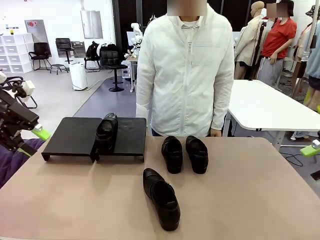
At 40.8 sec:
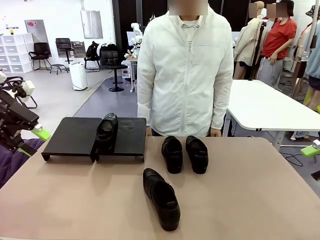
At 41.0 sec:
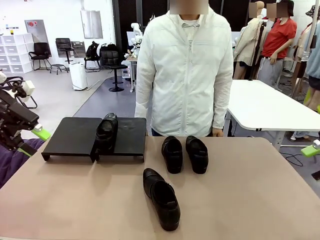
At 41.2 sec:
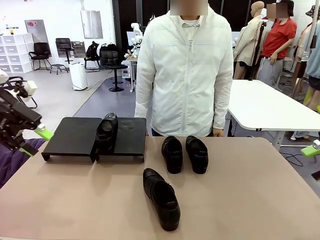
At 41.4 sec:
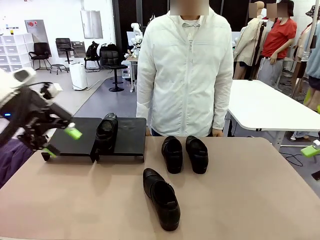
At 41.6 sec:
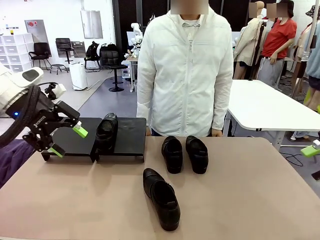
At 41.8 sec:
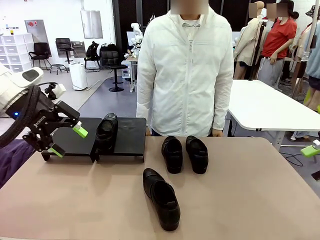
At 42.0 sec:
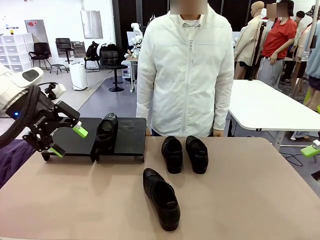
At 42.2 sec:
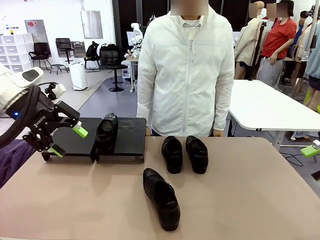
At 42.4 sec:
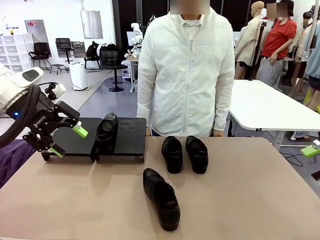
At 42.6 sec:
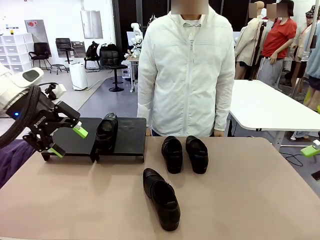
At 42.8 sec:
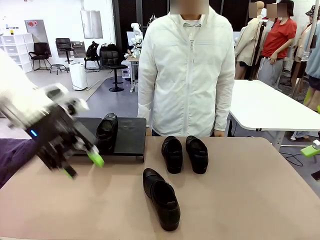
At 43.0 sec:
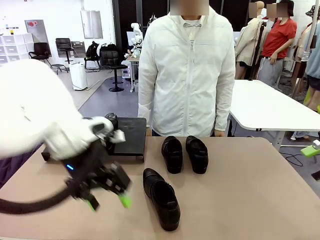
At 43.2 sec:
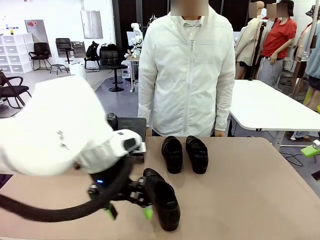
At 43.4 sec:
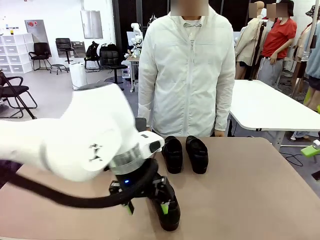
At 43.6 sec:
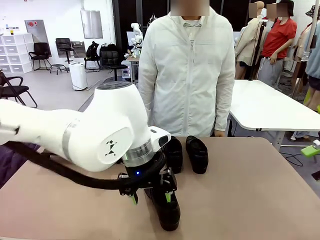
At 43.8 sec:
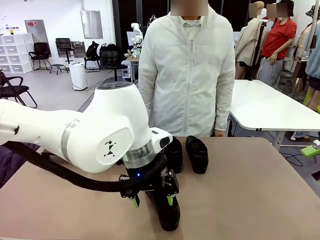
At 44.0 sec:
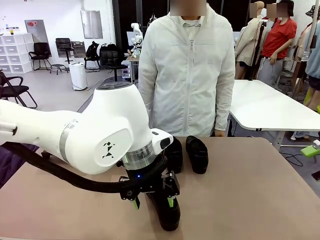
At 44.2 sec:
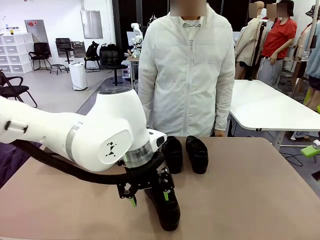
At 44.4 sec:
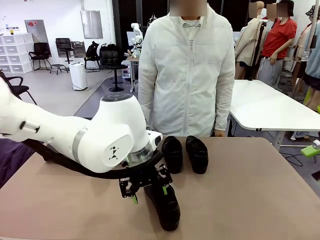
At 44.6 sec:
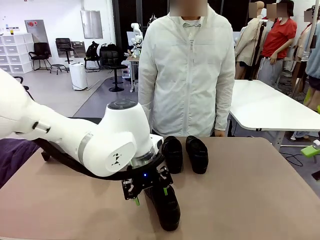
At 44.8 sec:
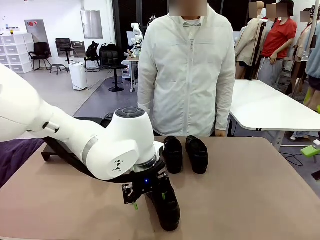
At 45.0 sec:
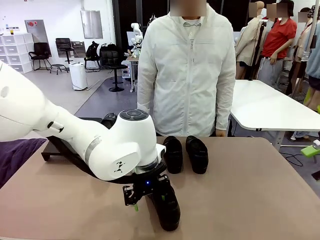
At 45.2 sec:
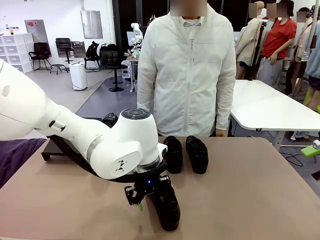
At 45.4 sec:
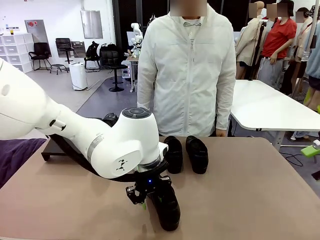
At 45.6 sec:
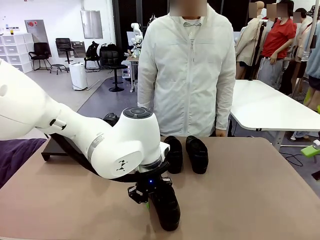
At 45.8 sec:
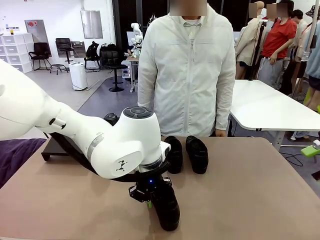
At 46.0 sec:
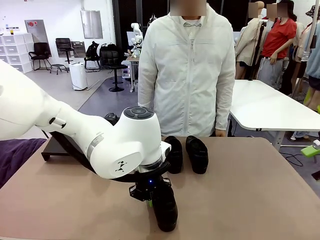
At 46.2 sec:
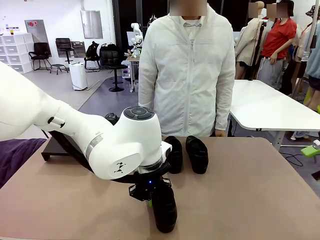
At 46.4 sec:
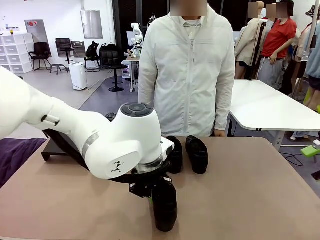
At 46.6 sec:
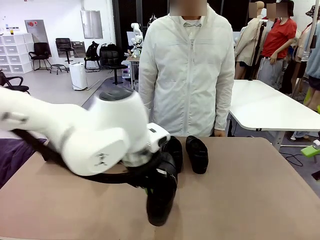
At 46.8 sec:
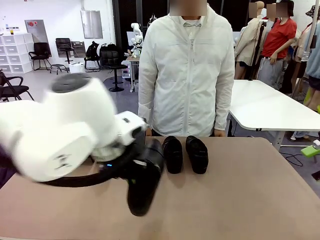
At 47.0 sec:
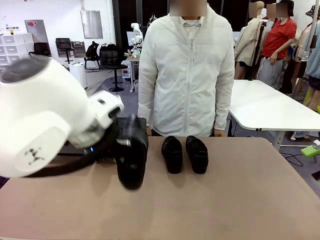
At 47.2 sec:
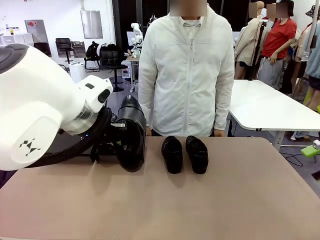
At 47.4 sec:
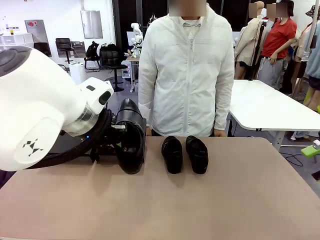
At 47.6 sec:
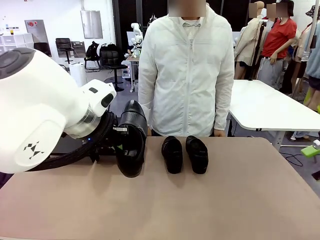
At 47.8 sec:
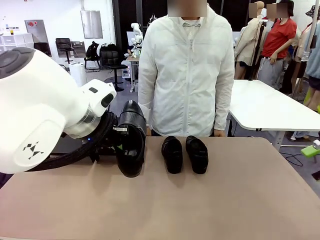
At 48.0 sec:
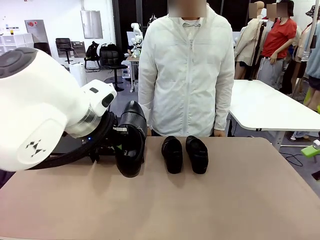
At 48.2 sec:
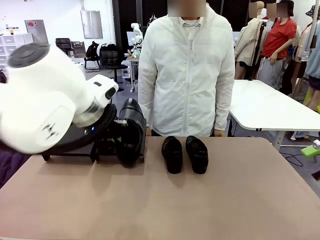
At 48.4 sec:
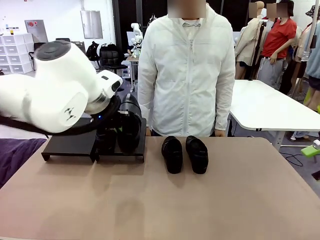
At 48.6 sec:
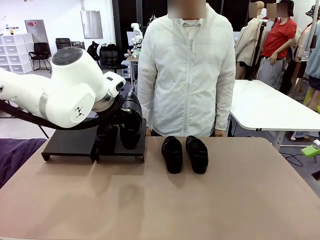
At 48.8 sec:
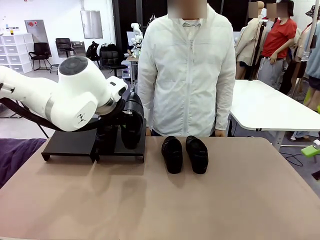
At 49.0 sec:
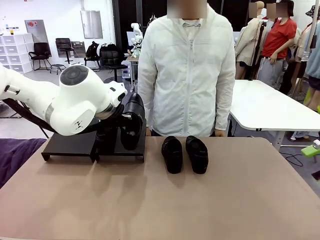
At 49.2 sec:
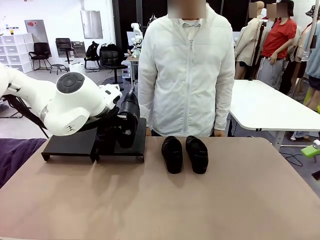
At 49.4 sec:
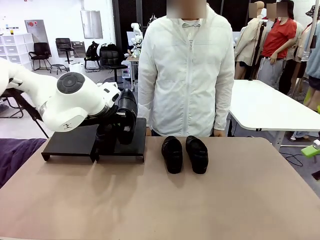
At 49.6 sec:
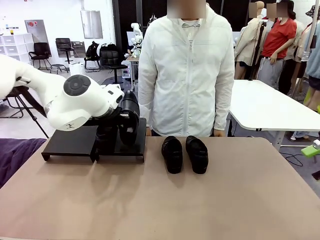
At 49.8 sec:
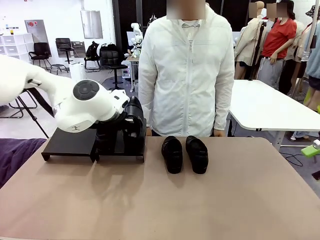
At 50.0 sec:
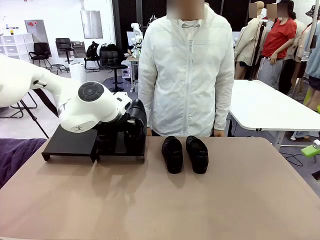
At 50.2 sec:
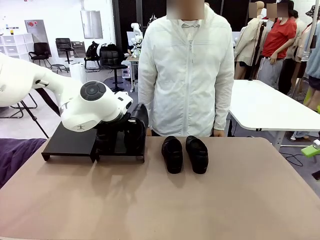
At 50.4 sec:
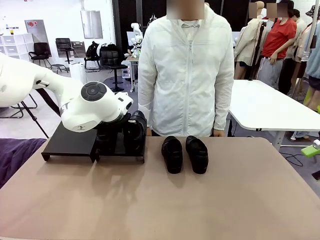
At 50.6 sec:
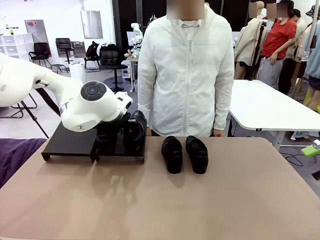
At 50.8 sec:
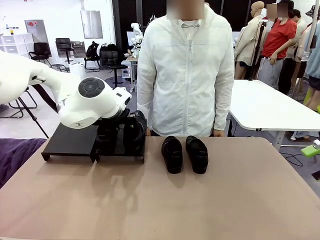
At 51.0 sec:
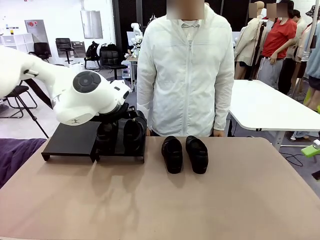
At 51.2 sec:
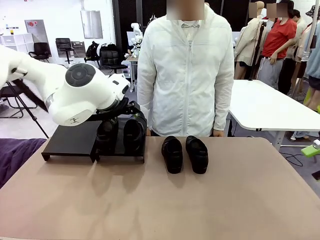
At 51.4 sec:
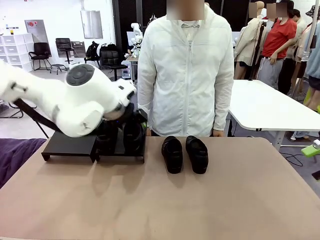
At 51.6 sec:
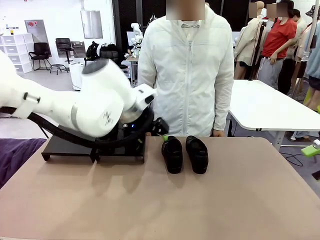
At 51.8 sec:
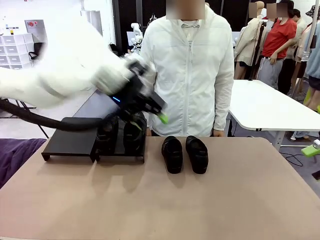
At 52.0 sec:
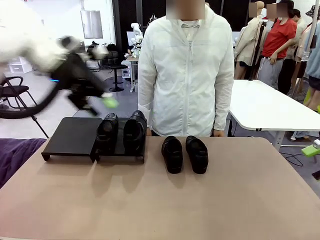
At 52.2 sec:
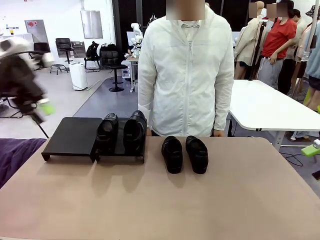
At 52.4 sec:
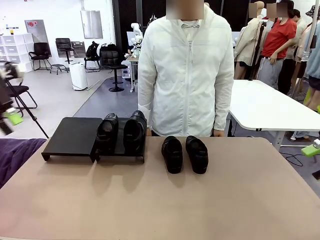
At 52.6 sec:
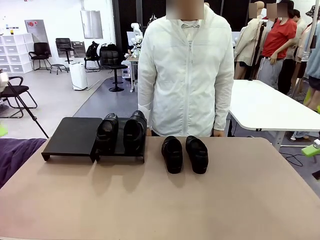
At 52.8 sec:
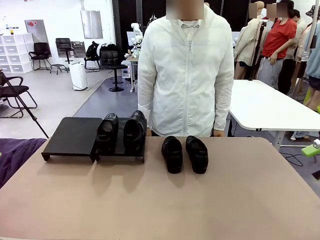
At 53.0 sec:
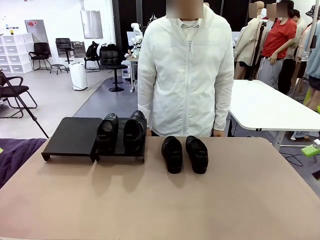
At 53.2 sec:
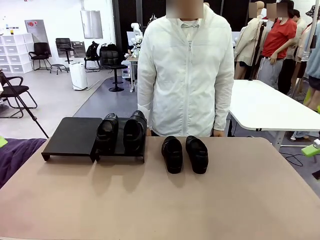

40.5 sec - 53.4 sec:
Task: Organize the shoes by placing them on the stand.
Robot: Place the Shoe from the middle of the table onto the Shoes Stand.

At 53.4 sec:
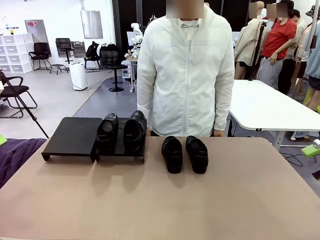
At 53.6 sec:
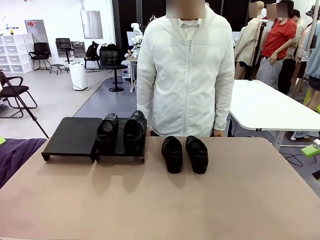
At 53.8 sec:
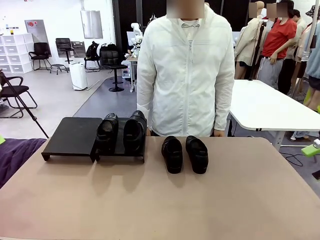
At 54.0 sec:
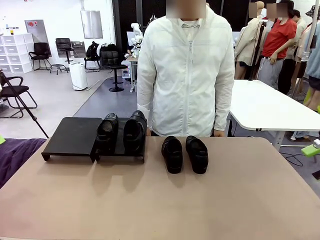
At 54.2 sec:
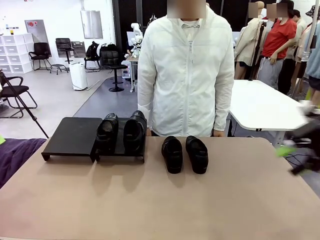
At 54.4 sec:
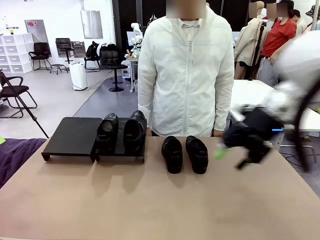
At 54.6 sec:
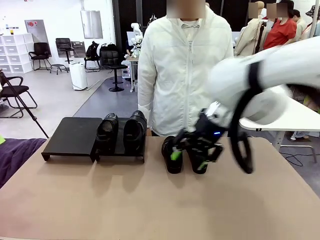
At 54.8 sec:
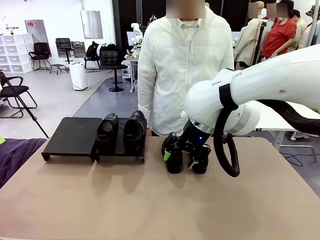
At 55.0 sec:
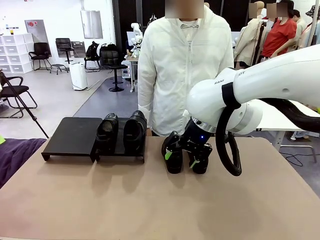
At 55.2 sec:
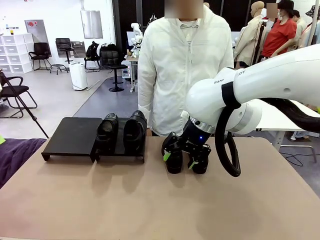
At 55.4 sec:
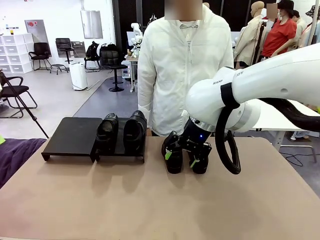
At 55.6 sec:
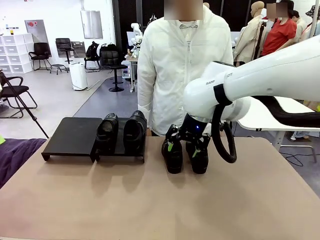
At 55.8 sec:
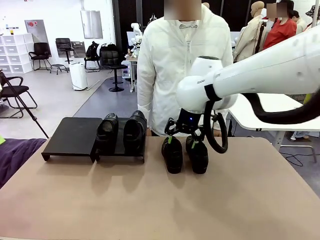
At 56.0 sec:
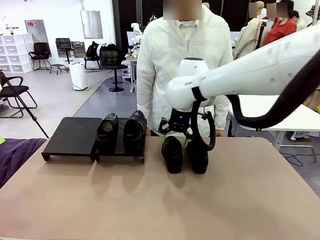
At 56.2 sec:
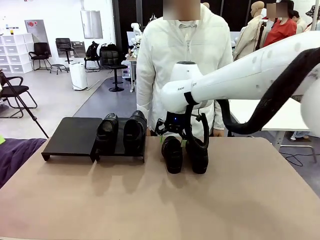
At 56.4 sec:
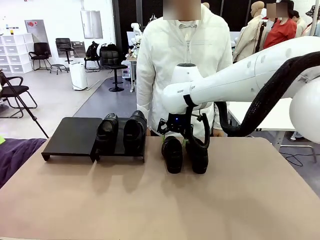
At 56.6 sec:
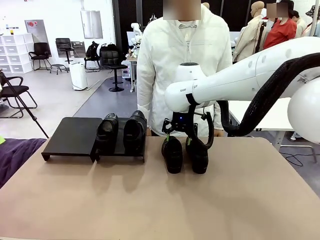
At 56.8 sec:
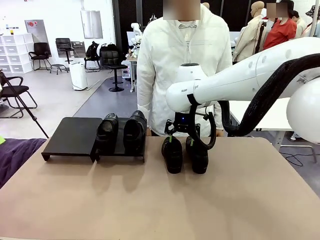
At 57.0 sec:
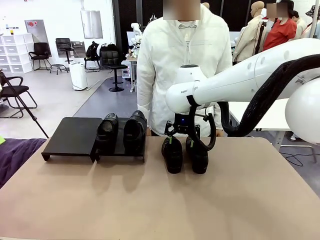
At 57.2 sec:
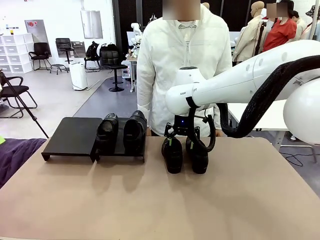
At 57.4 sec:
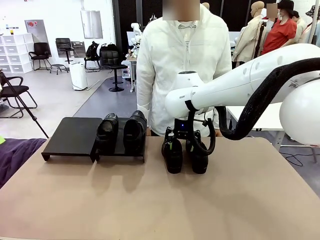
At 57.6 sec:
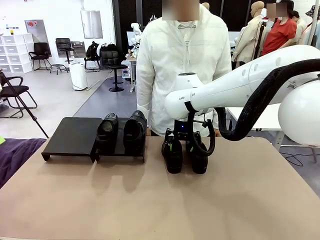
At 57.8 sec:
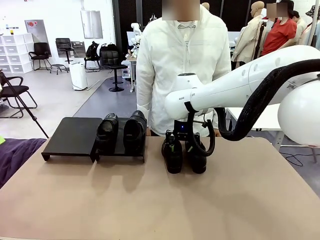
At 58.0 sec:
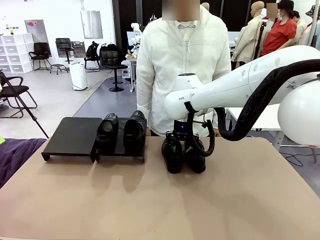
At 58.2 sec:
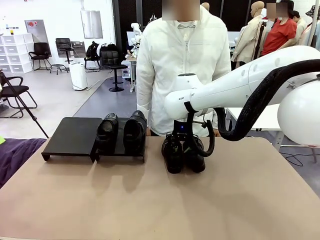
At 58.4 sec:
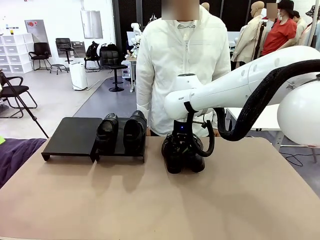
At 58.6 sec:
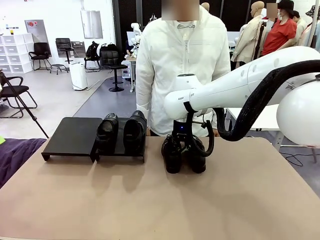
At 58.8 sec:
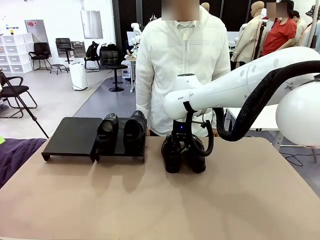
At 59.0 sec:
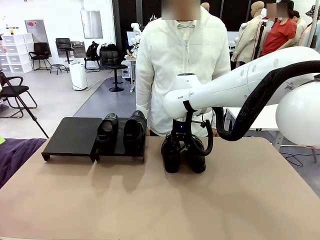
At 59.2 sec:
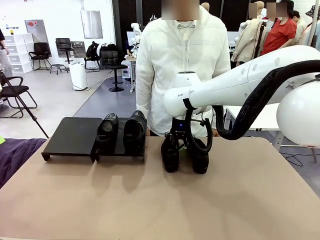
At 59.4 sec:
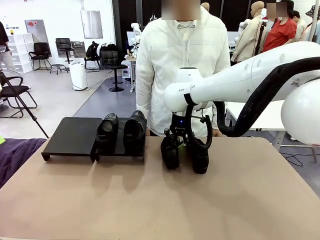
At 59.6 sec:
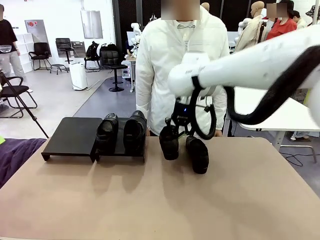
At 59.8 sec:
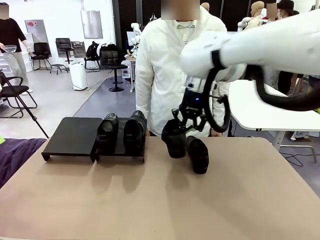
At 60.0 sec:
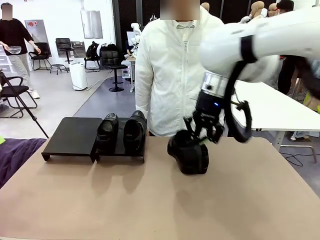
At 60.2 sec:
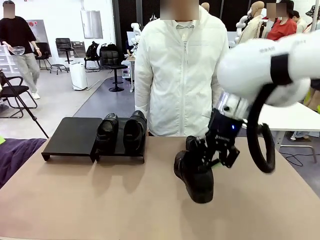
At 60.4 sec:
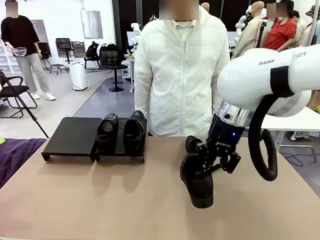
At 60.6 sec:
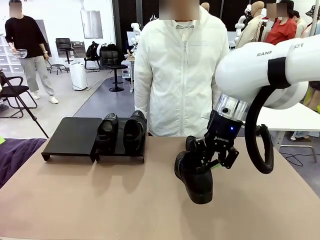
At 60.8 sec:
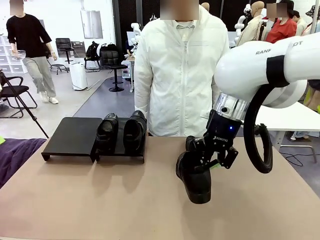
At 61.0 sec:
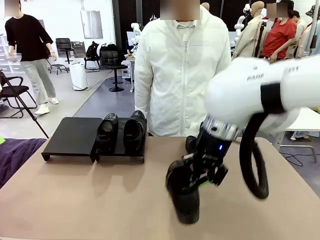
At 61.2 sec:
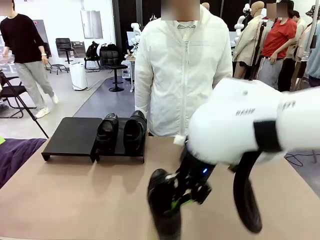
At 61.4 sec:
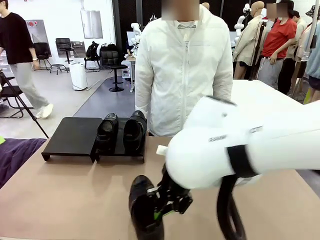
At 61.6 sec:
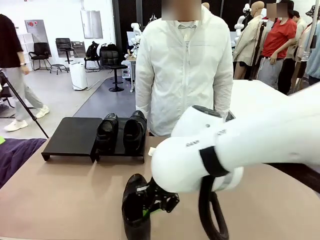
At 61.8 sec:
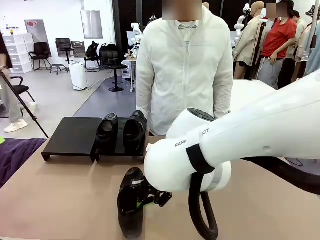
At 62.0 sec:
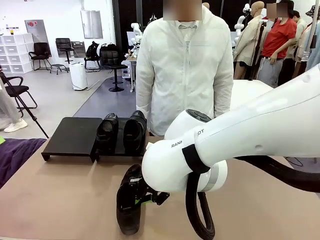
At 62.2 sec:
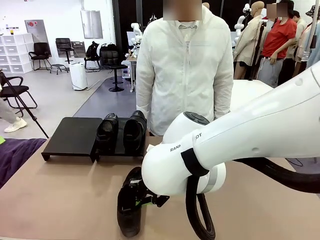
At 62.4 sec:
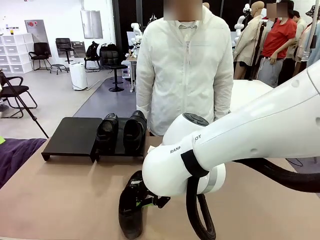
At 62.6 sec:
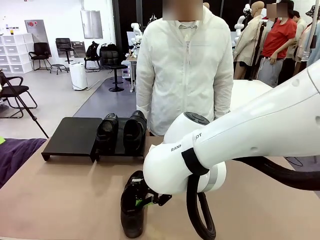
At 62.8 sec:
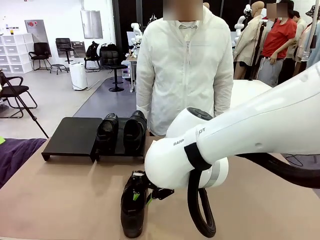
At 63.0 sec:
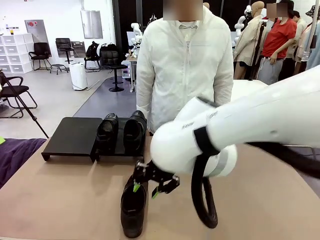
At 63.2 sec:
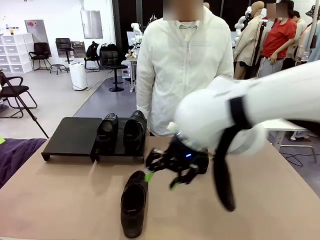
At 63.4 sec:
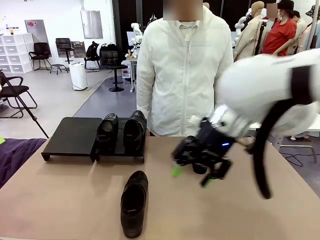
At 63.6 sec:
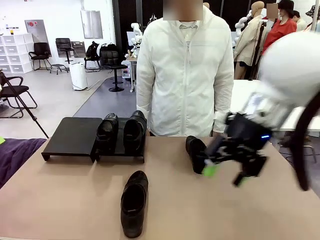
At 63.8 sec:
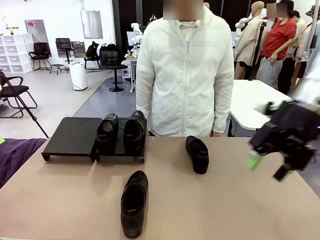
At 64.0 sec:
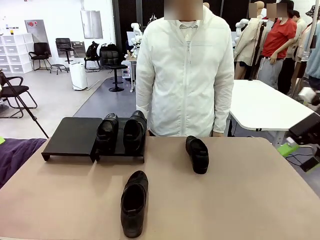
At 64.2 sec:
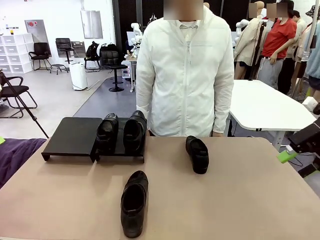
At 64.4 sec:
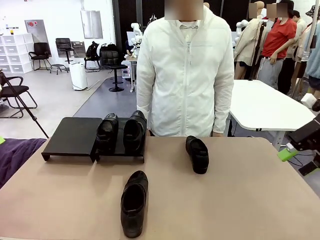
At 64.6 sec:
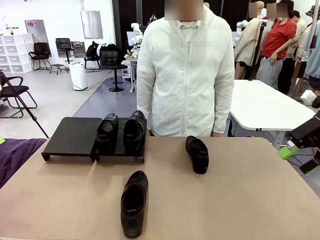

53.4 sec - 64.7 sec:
Robot: Pick up one Shoe and place it in the middle of the table.
